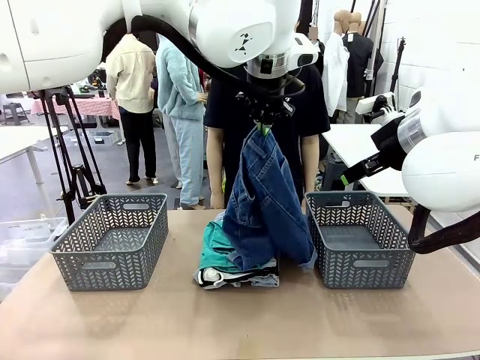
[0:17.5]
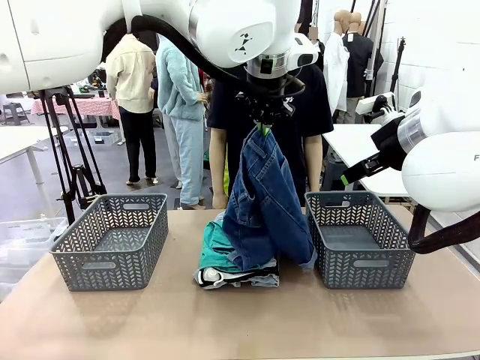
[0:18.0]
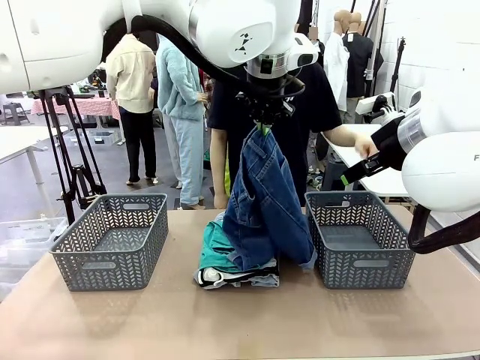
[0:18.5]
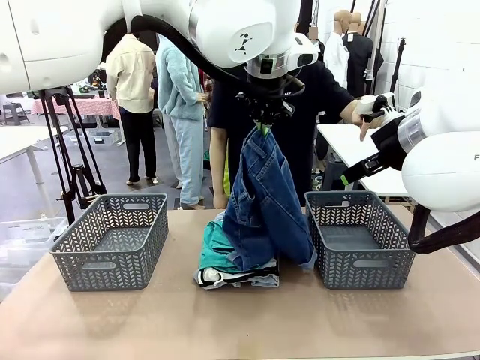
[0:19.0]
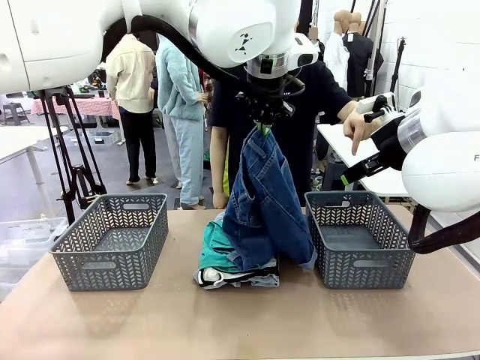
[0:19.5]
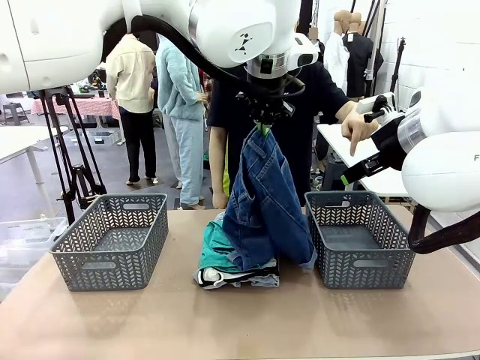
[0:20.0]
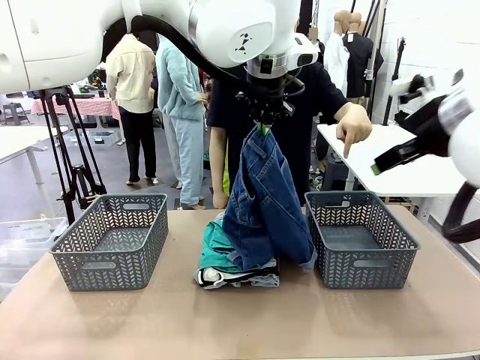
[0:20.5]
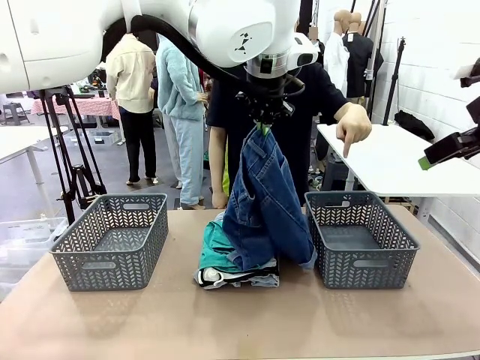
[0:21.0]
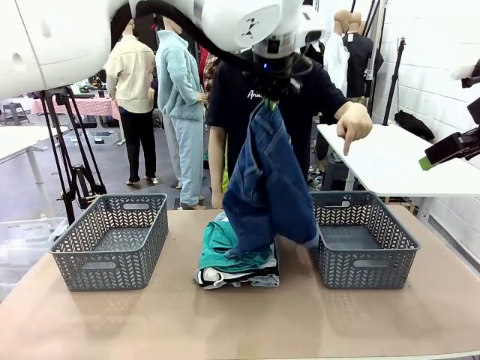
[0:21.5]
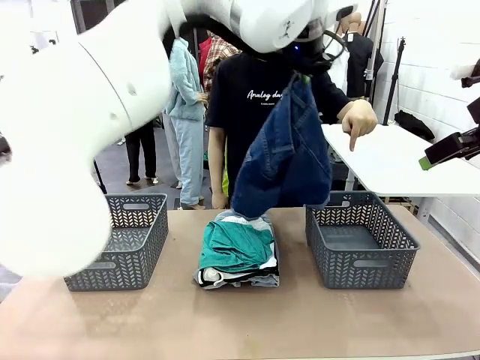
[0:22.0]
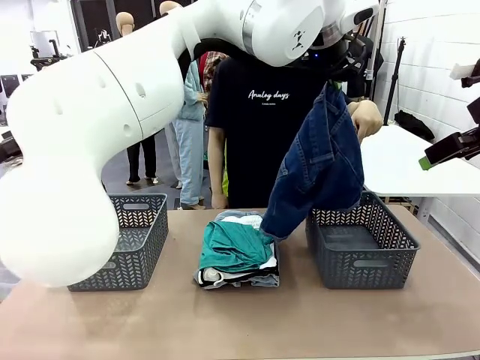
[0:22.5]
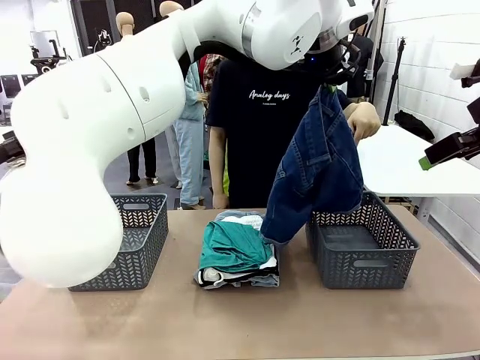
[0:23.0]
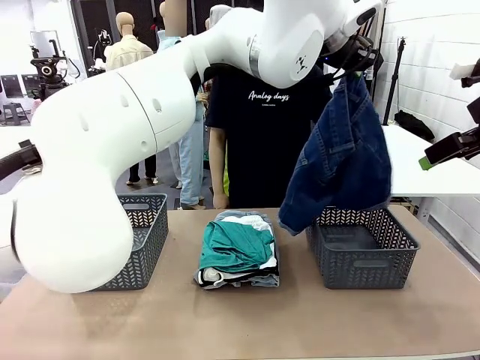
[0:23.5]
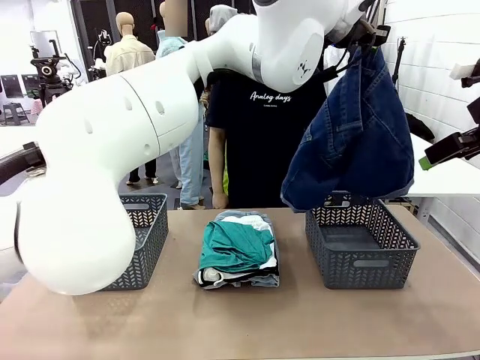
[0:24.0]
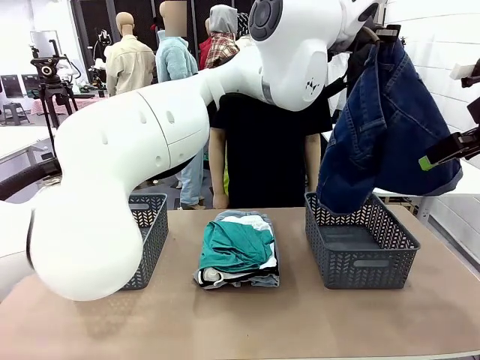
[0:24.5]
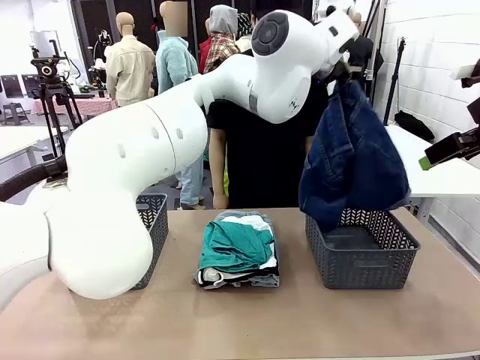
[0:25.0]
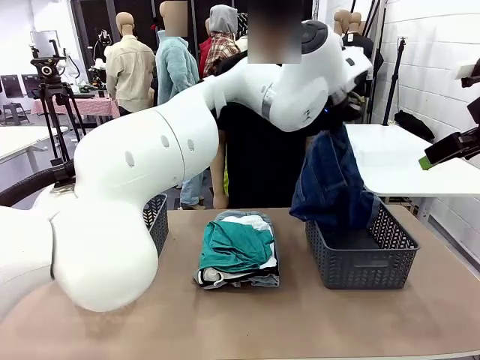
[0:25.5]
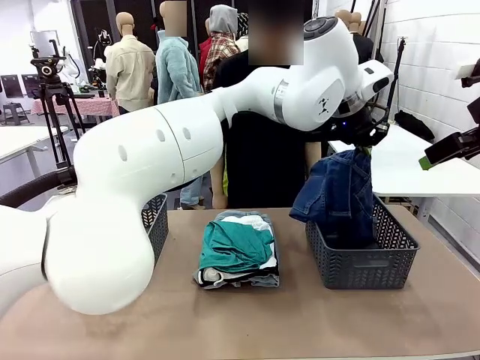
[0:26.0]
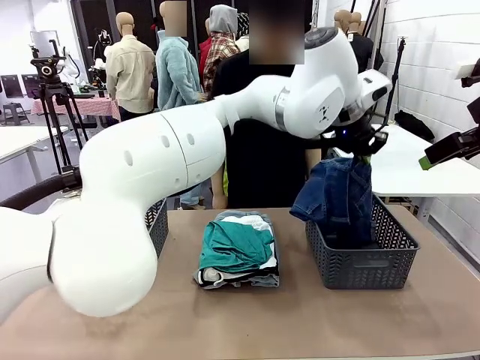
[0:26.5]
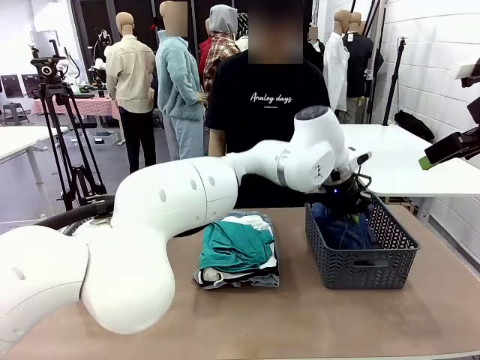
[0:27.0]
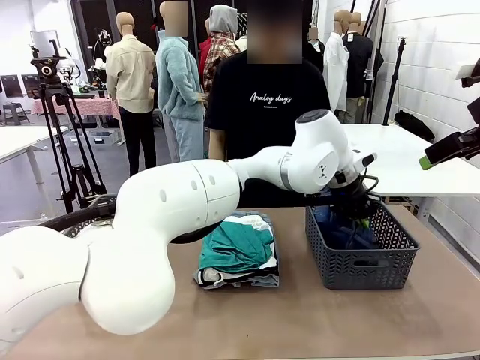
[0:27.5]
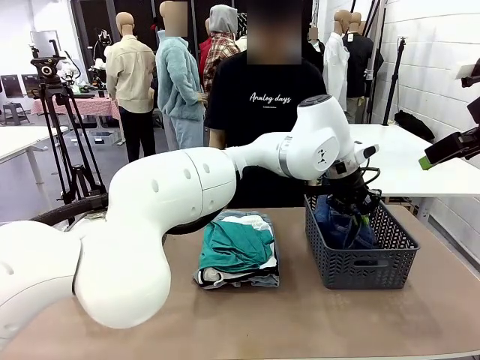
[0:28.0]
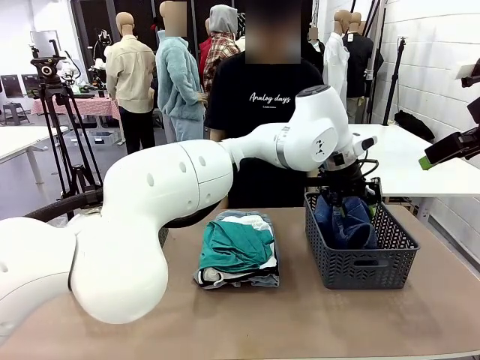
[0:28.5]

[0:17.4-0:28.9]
Task: Sort the tops and bottoms.
Robot: Sort the clothes according to human instructions.

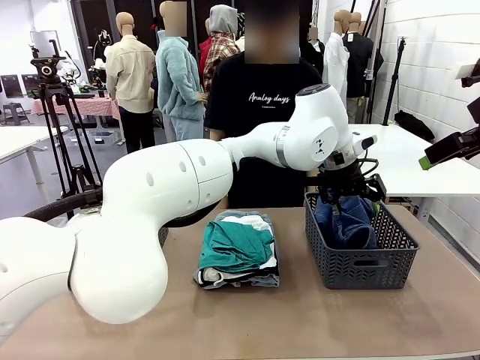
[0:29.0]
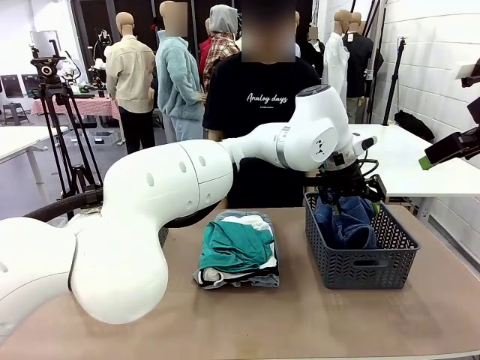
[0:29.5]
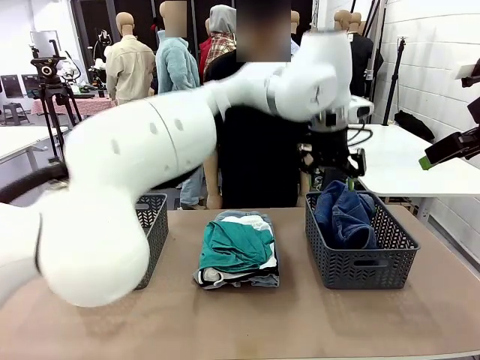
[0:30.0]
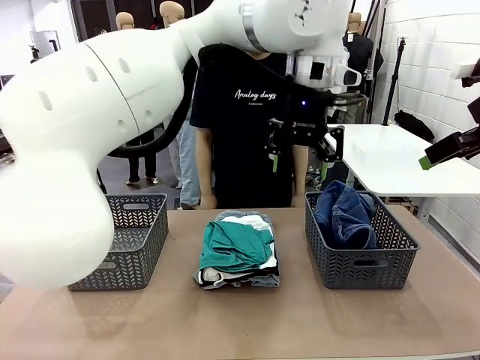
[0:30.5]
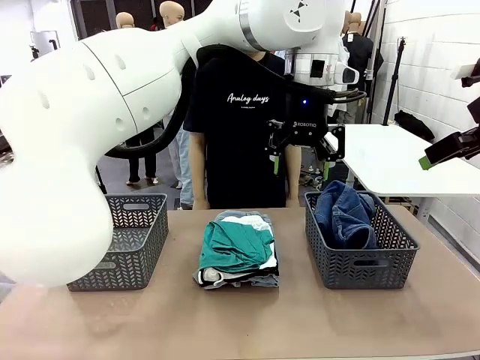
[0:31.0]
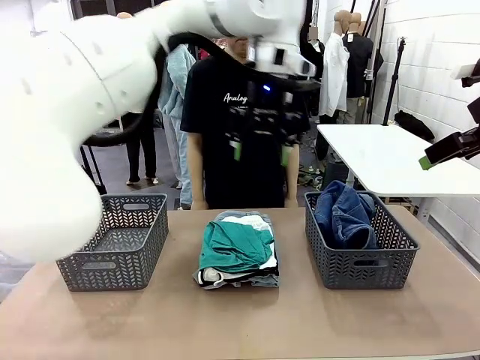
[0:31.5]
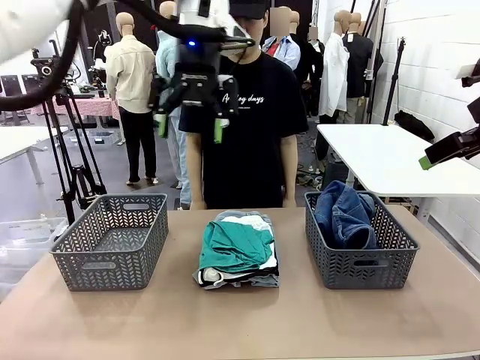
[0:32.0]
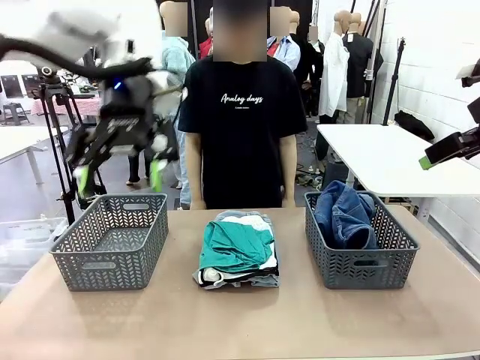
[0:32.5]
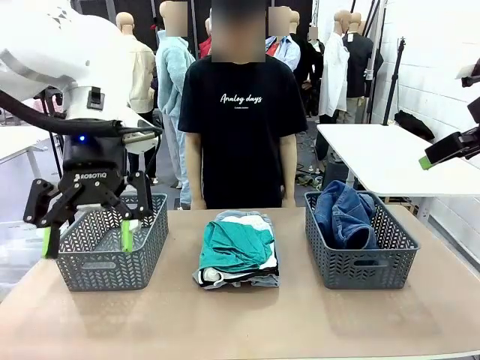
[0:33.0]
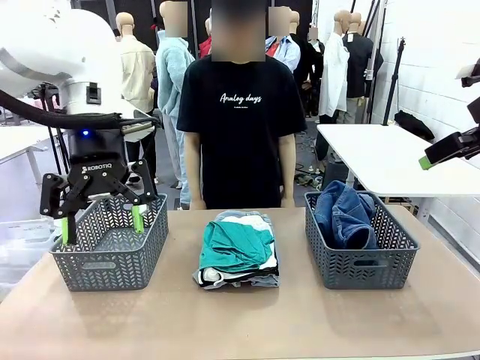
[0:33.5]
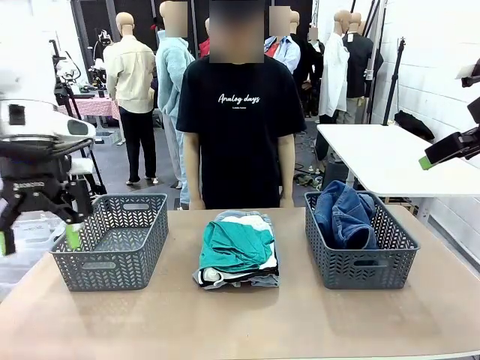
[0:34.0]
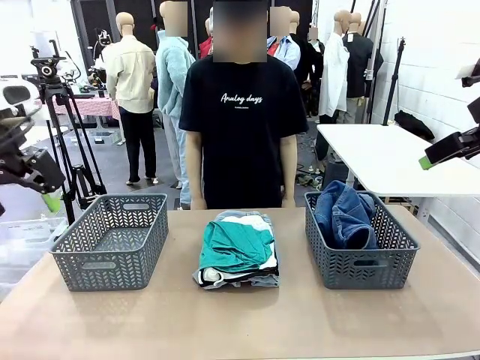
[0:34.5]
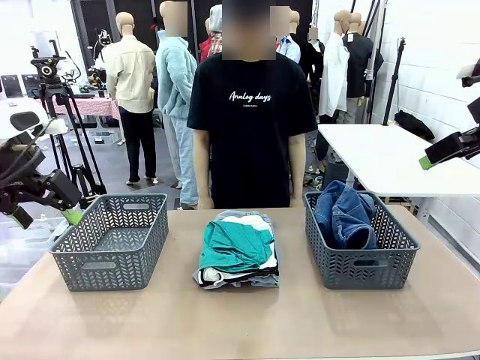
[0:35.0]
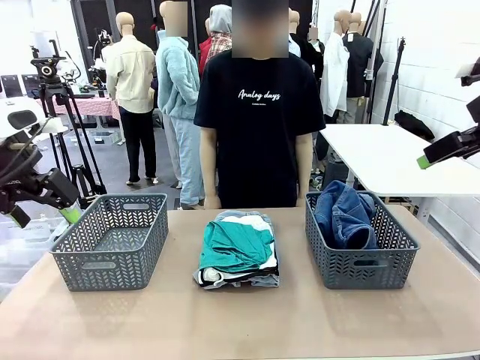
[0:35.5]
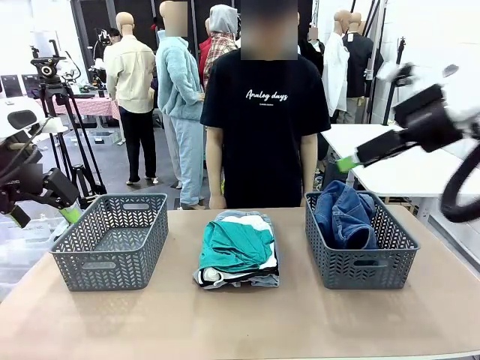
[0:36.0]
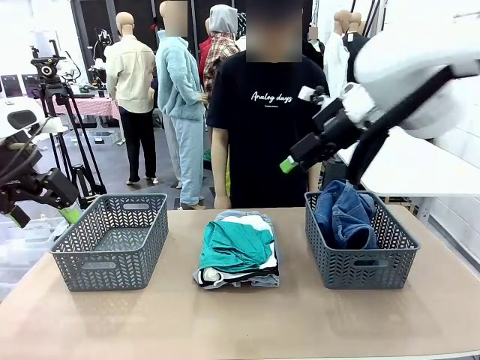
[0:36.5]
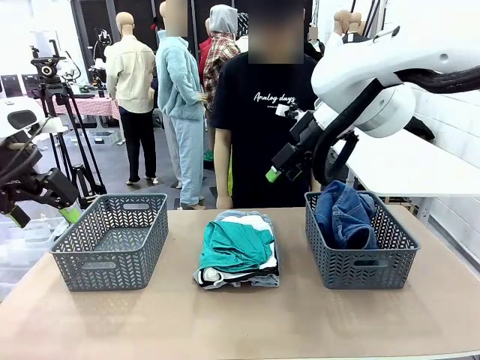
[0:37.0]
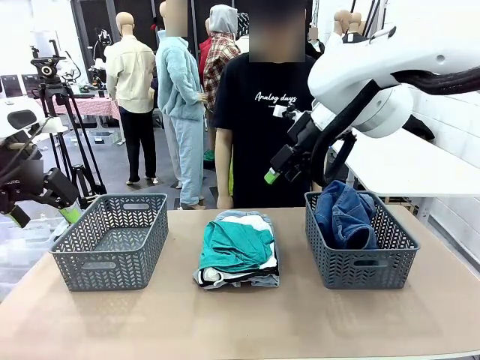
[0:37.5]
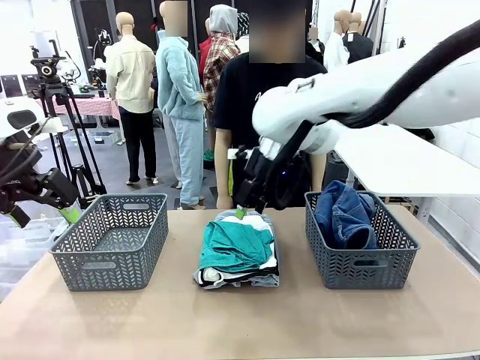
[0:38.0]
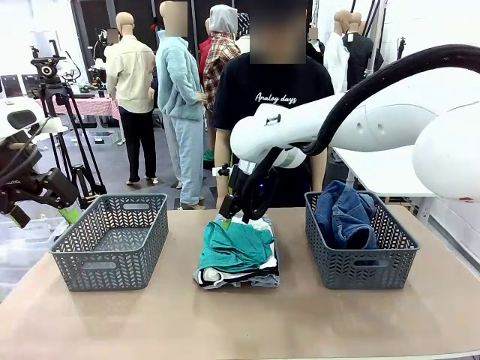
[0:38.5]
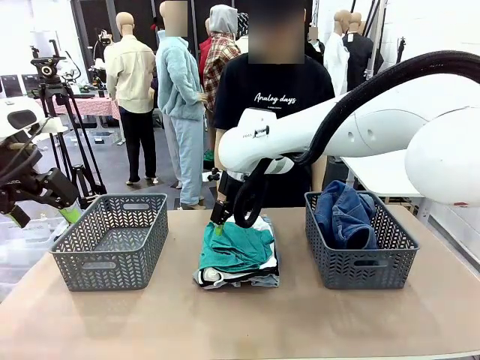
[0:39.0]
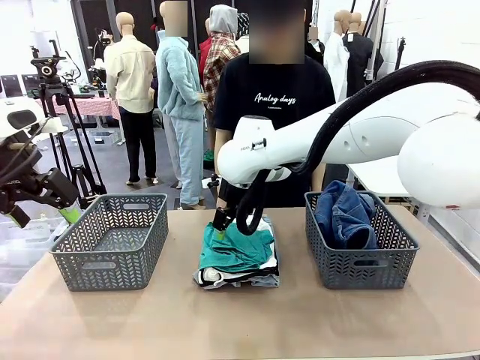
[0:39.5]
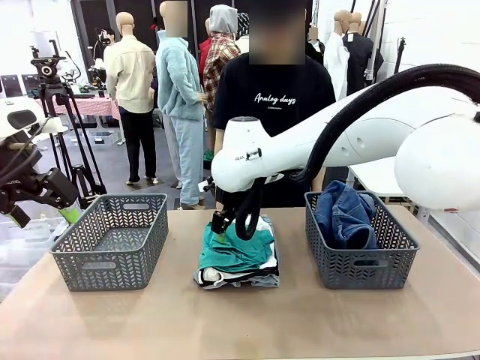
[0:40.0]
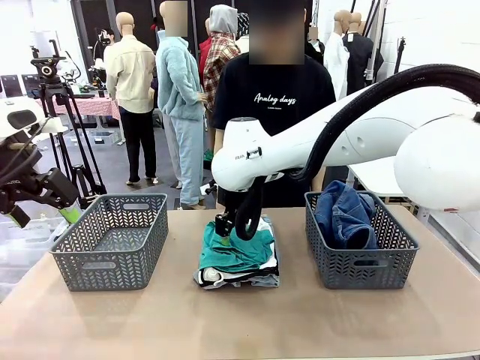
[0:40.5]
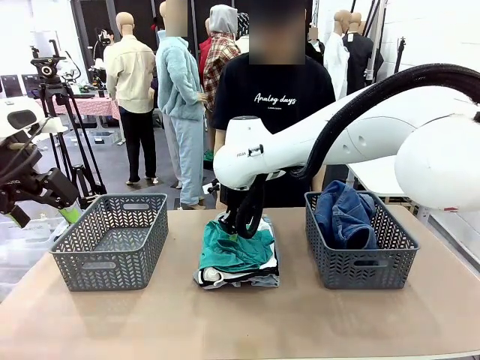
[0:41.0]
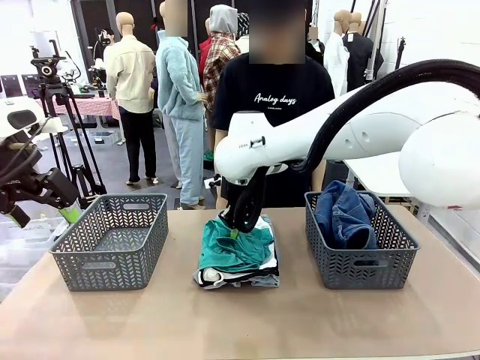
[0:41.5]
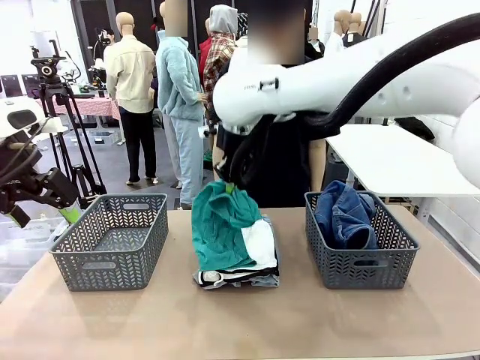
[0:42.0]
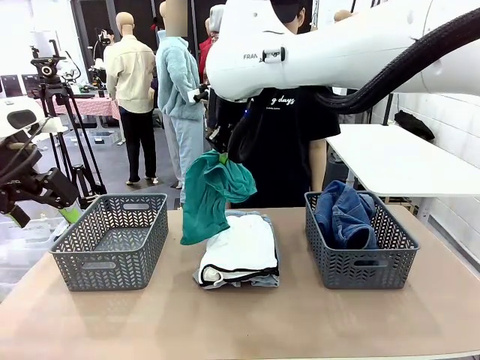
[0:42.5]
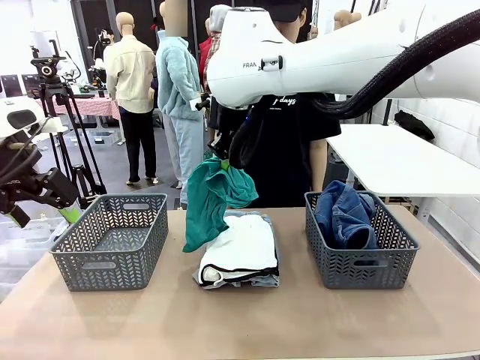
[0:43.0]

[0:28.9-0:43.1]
Robot: Lift clothes from the center of the table with your right hand.

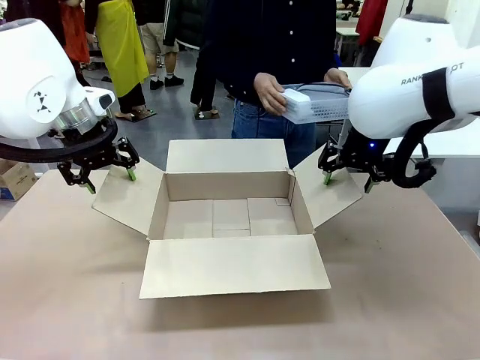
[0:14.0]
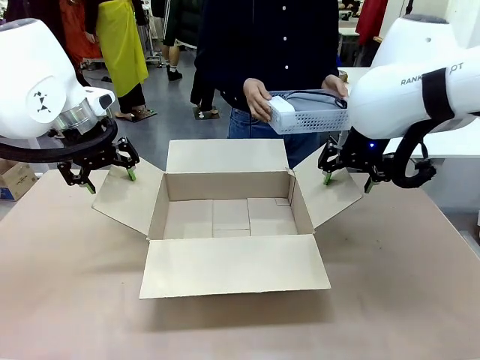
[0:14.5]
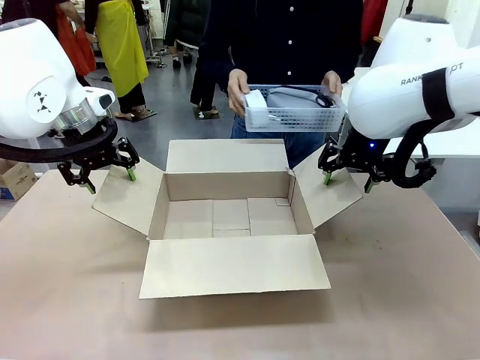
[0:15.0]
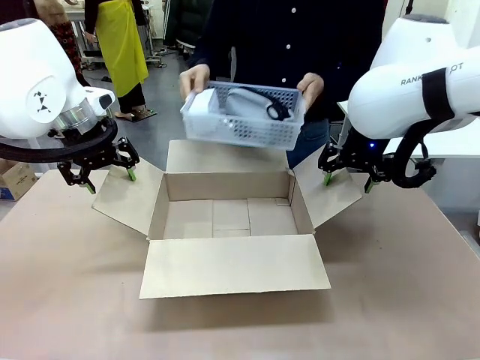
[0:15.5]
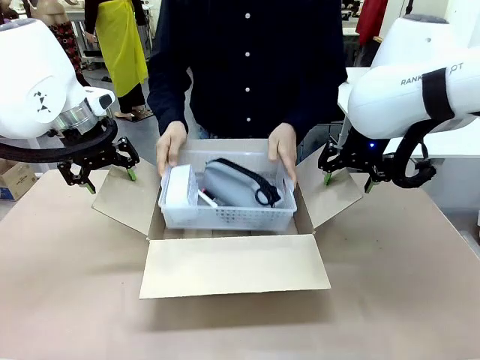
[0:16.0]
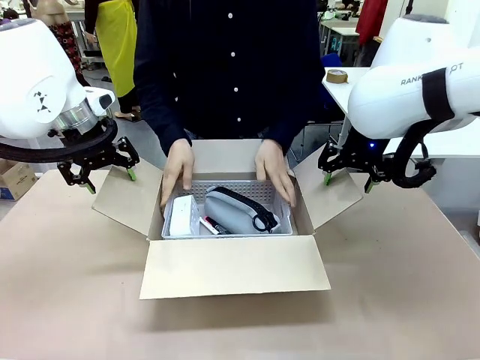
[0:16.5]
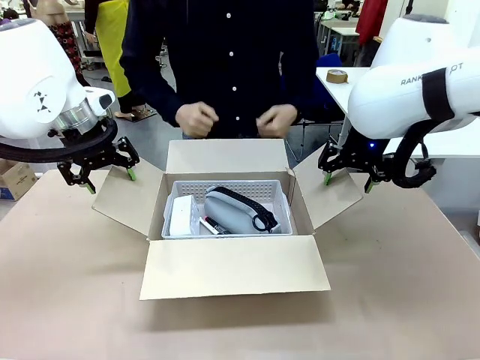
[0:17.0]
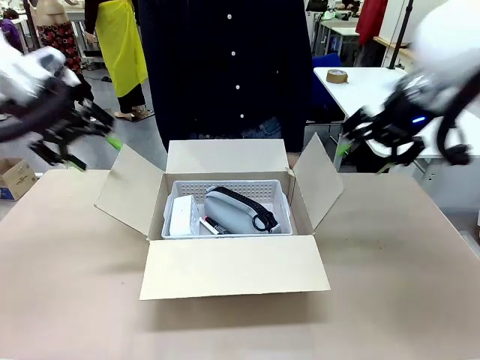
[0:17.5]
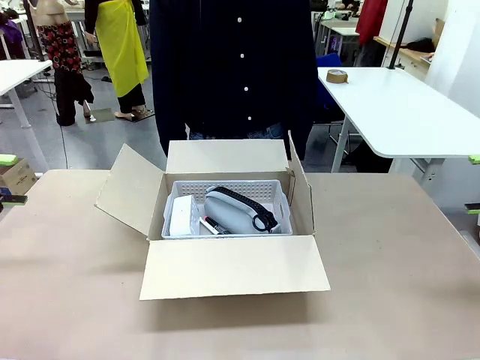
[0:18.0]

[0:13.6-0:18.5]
Task: Pack the gift set into the box.
Robot: Lift both hands away from the flaps of the Package Box.
Person: The human picks up the organizing basket and places the organizing basket into the package box on the robot table.
